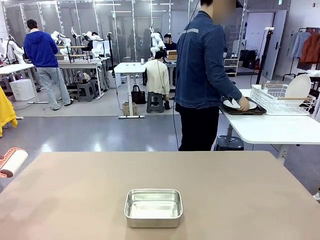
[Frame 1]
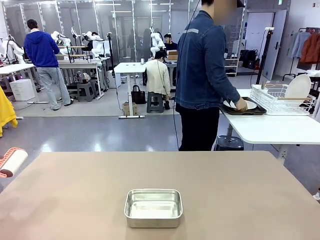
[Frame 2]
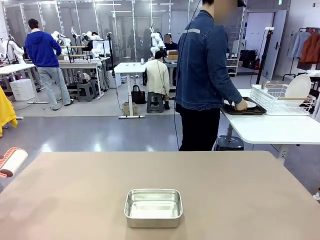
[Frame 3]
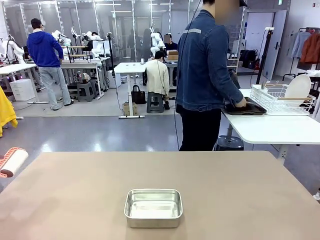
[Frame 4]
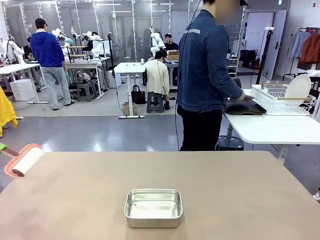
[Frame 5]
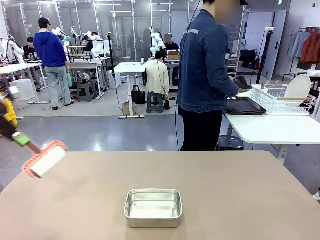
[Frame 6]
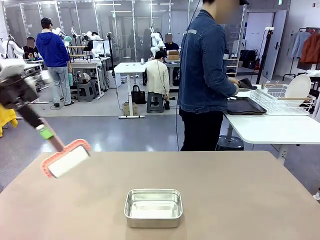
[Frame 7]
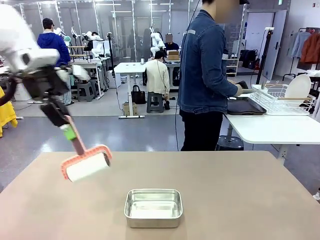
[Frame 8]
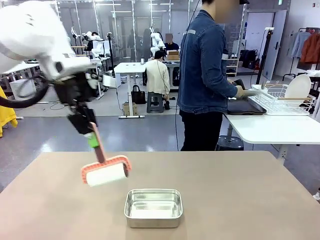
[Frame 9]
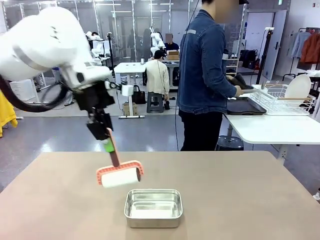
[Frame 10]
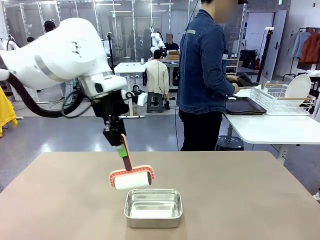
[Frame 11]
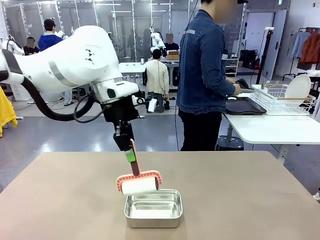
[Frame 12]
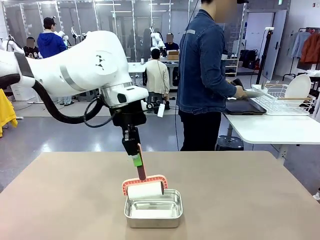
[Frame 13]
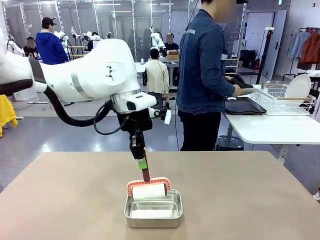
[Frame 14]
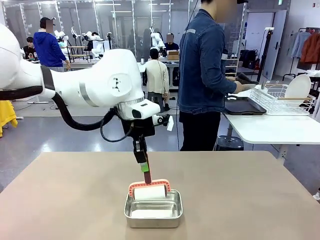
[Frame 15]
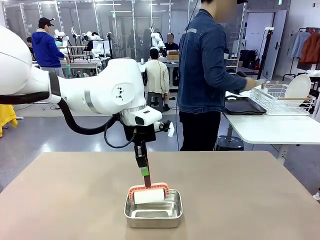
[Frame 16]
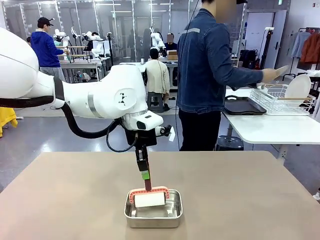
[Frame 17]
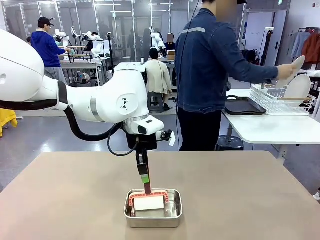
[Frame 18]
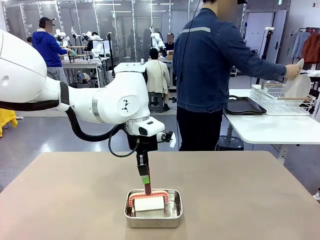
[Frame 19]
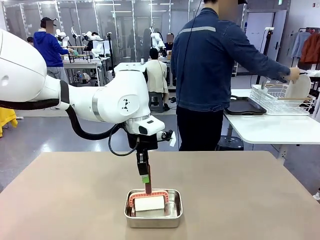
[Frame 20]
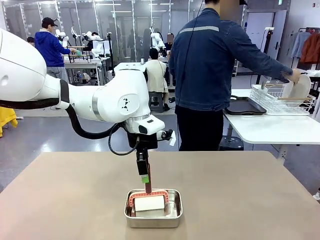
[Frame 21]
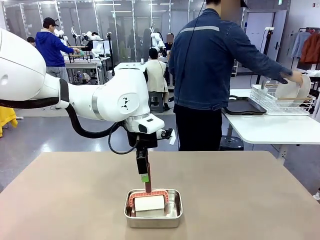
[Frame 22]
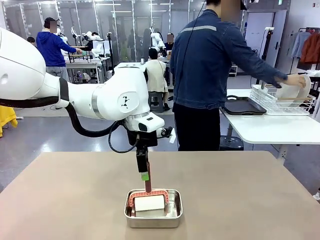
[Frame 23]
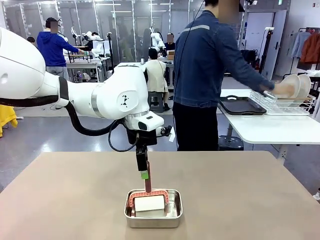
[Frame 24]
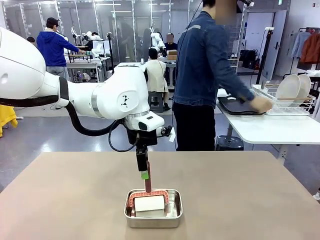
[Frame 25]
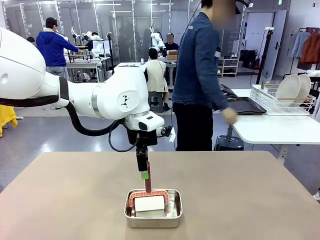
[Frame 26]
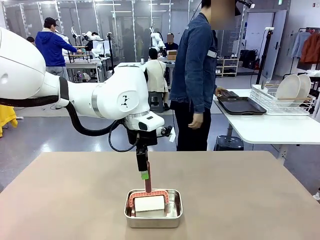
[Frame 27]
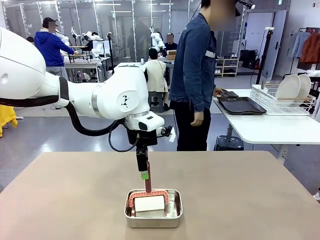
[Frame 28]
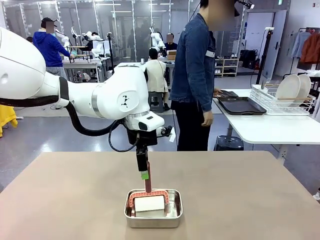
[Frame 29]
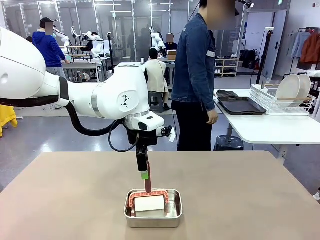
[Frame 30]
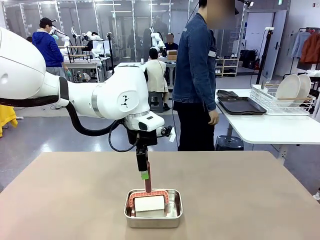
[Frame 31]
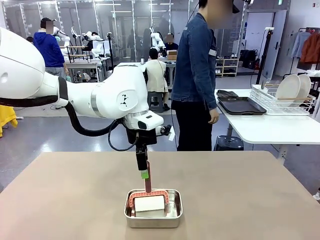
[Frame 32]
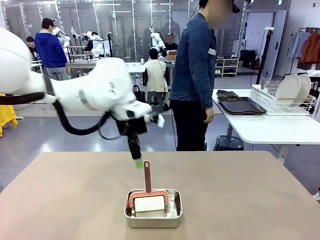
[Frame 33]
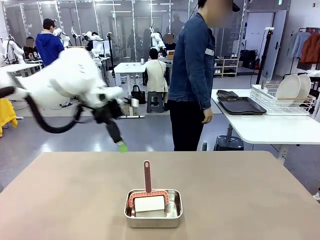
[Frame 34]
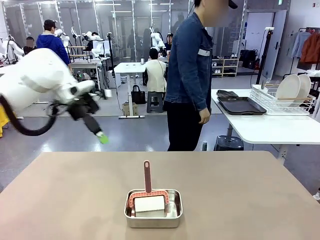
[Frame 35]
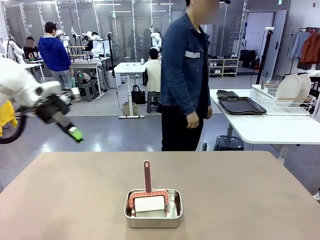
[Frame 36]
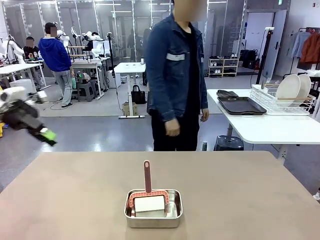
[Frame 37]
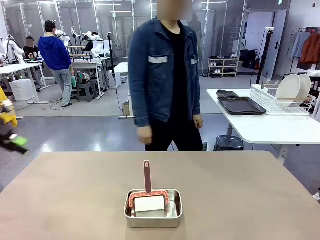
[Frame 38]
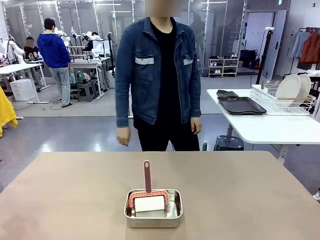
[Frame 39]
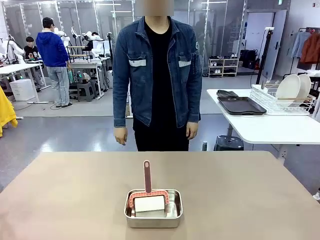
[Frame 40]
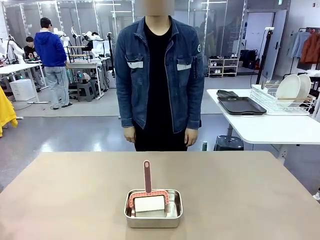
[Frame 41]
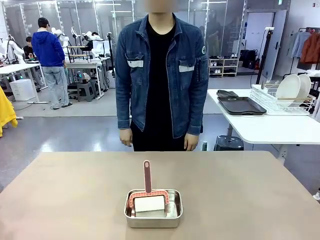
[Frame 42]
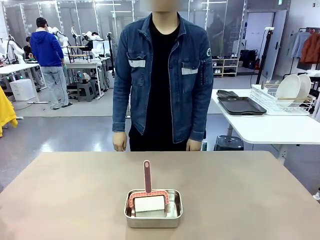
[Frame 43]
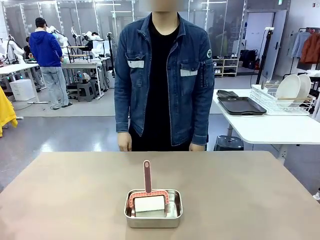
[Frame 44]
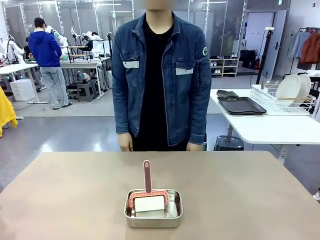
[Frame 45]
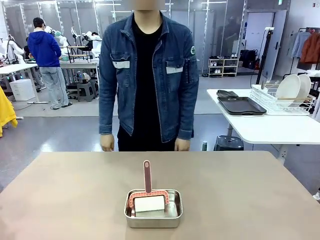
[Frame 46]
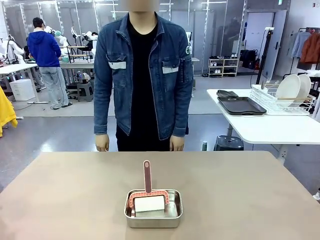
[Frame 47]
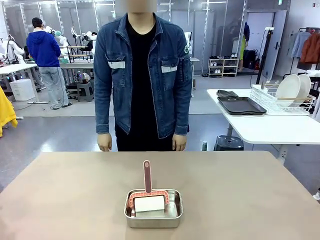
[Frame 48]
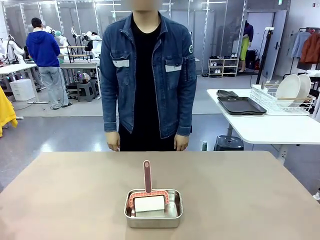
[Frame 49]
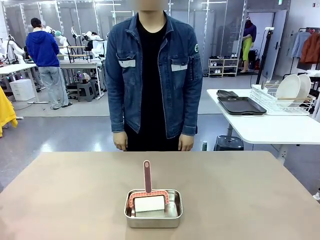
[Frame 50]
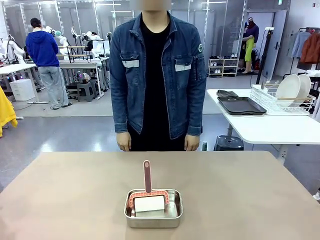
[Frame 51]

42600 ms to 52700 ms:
Robot: Place the Lint Roller back on top of the Airtight Container.
Person: Use the Towel with hook to wipe the Plastic Matte Plate , Fork , and Knife and place into the Dish drying rack.

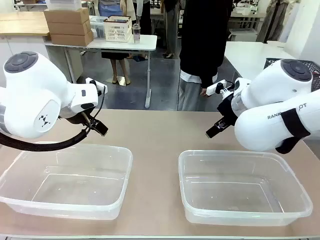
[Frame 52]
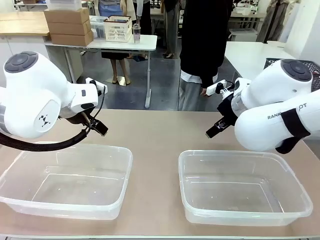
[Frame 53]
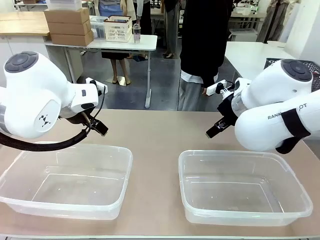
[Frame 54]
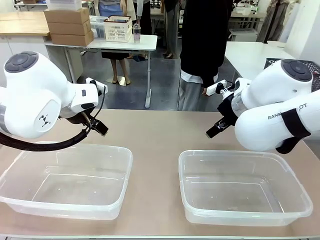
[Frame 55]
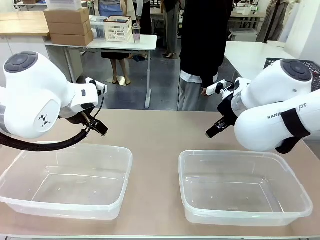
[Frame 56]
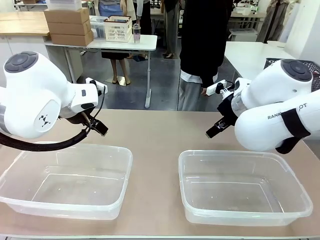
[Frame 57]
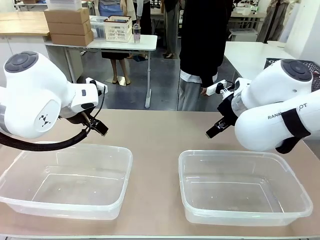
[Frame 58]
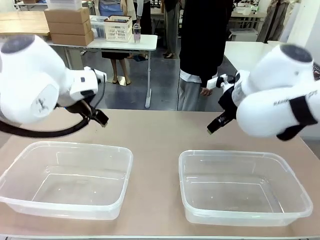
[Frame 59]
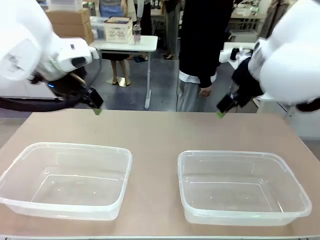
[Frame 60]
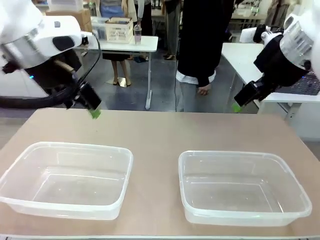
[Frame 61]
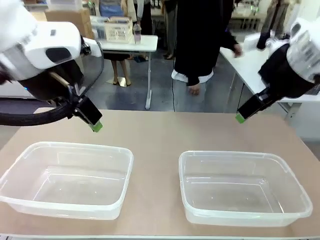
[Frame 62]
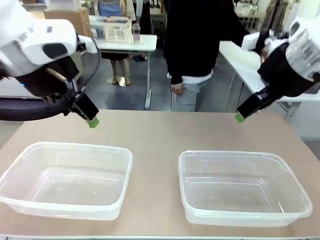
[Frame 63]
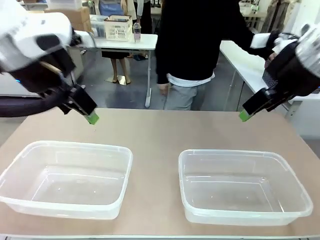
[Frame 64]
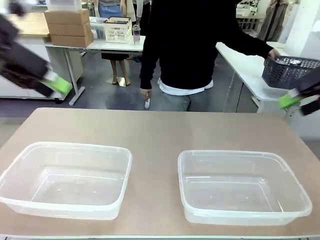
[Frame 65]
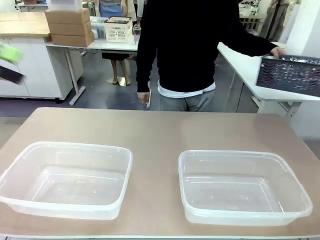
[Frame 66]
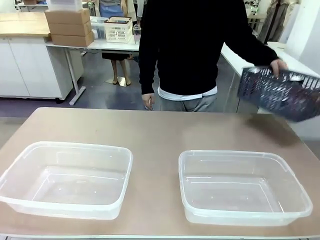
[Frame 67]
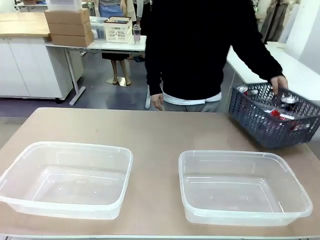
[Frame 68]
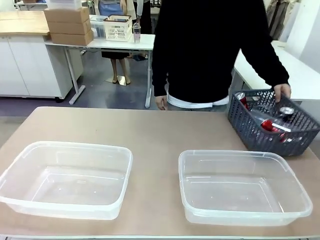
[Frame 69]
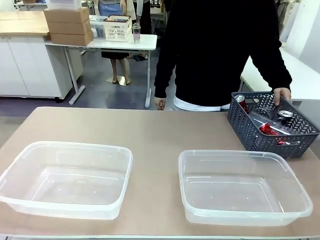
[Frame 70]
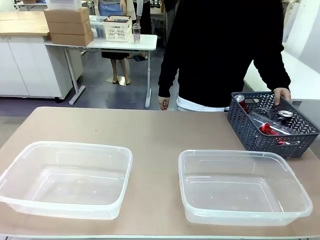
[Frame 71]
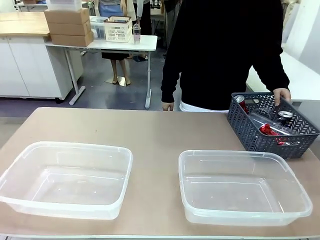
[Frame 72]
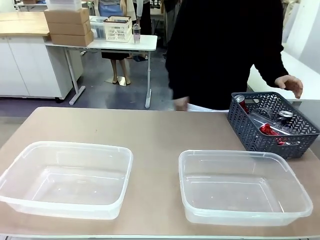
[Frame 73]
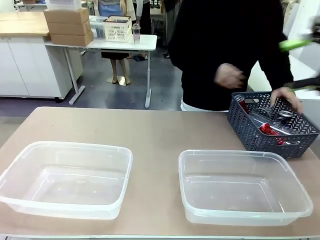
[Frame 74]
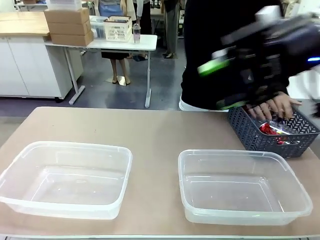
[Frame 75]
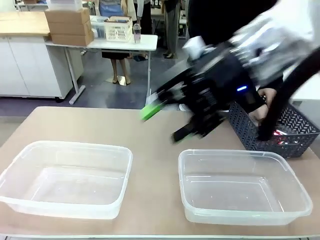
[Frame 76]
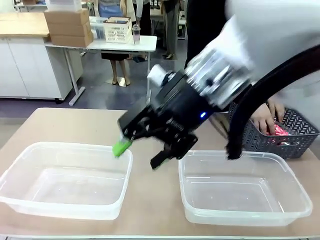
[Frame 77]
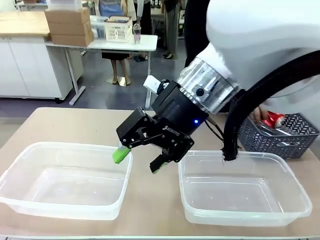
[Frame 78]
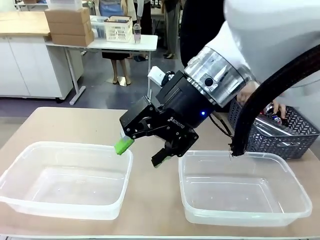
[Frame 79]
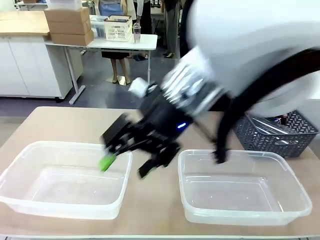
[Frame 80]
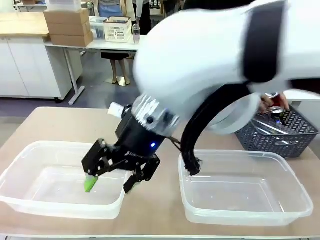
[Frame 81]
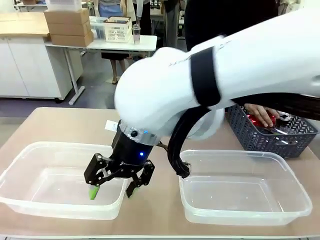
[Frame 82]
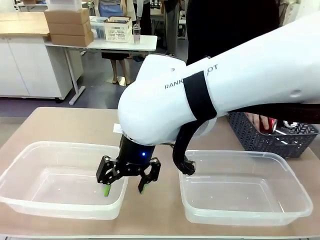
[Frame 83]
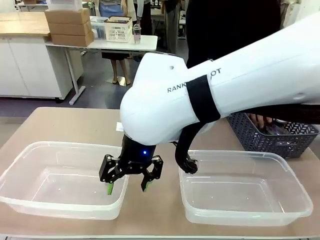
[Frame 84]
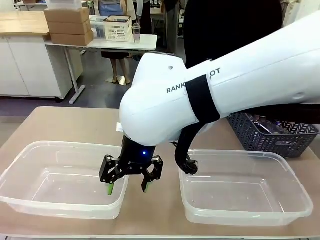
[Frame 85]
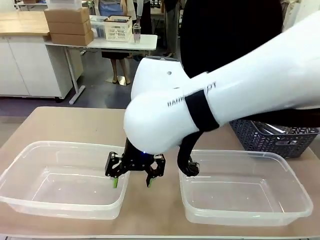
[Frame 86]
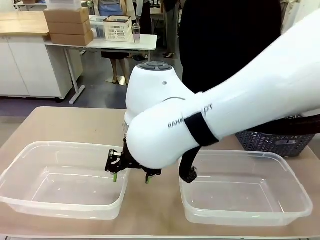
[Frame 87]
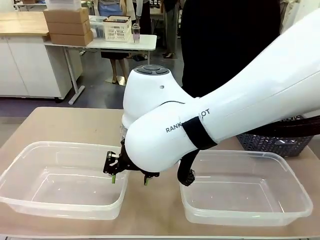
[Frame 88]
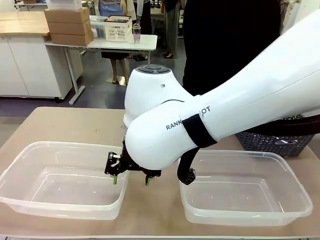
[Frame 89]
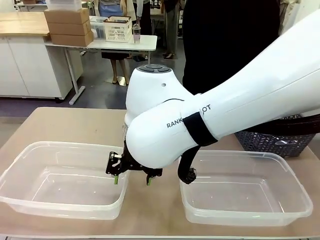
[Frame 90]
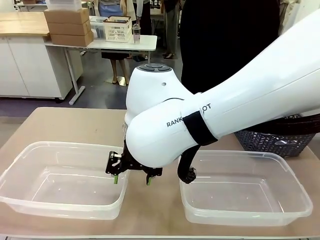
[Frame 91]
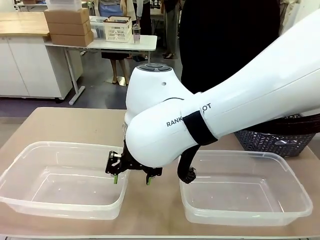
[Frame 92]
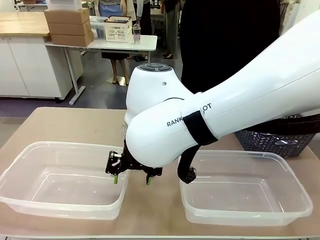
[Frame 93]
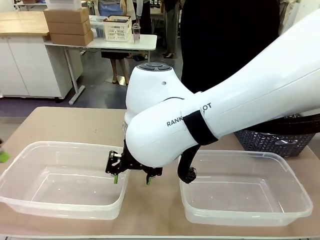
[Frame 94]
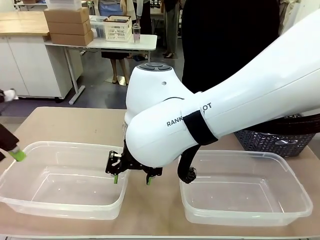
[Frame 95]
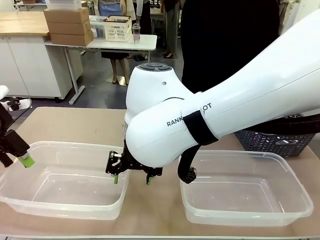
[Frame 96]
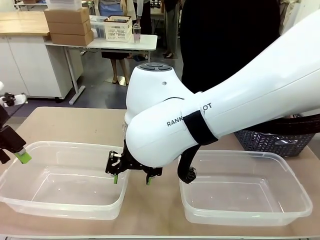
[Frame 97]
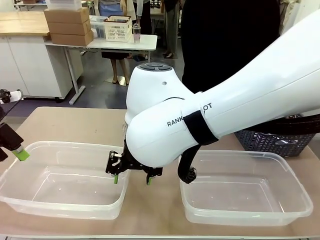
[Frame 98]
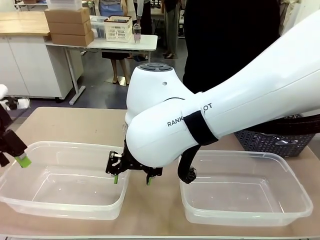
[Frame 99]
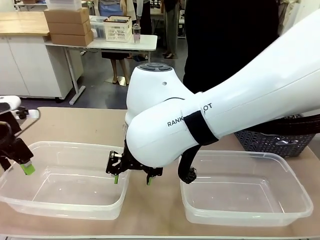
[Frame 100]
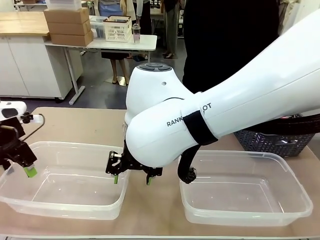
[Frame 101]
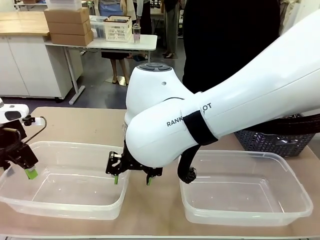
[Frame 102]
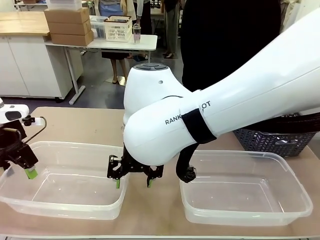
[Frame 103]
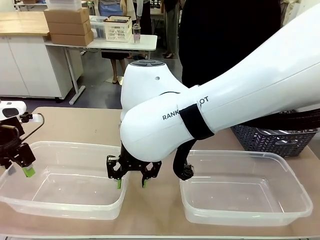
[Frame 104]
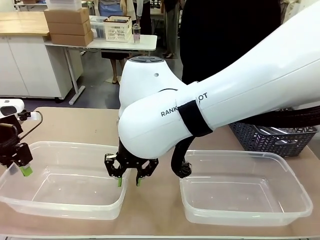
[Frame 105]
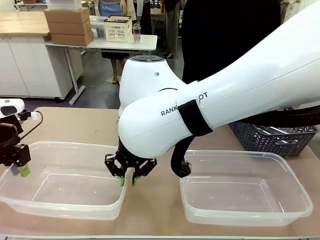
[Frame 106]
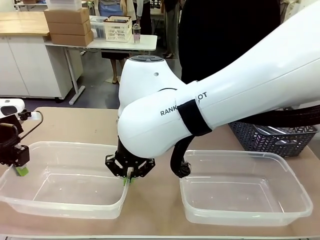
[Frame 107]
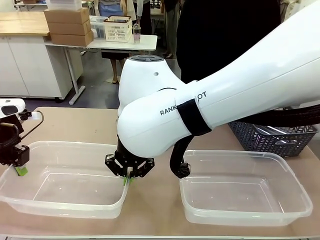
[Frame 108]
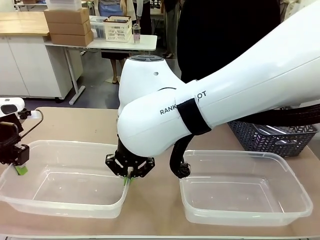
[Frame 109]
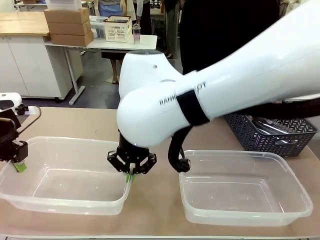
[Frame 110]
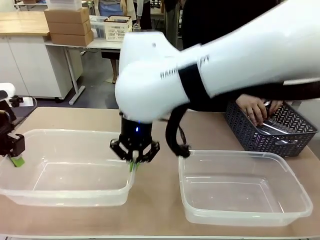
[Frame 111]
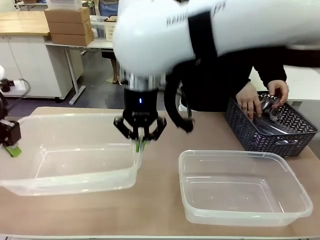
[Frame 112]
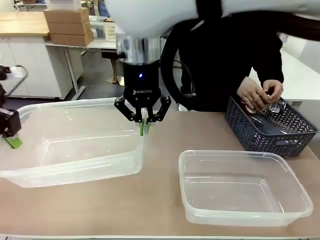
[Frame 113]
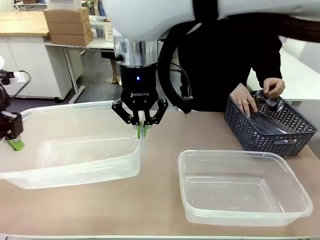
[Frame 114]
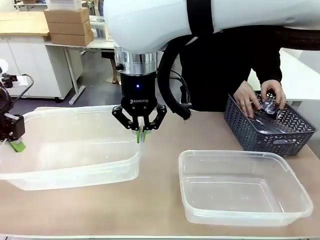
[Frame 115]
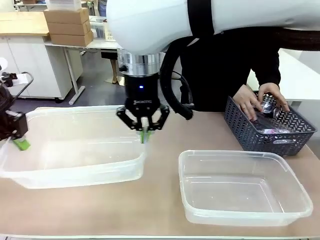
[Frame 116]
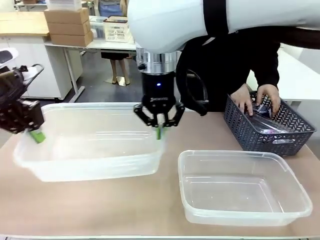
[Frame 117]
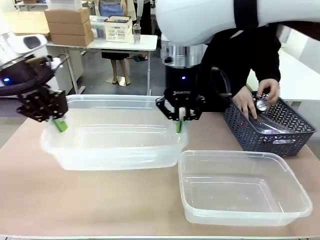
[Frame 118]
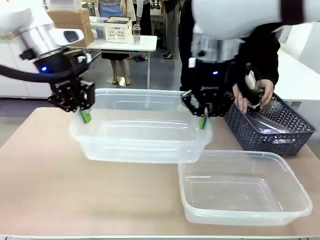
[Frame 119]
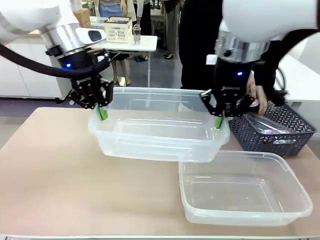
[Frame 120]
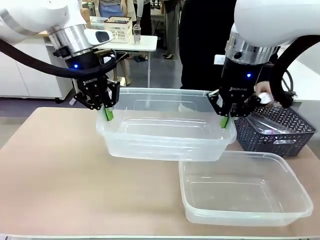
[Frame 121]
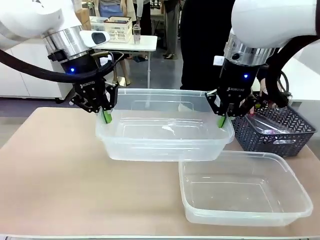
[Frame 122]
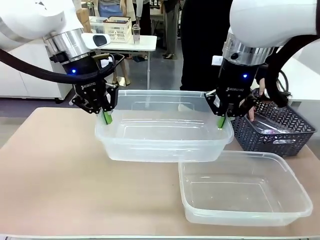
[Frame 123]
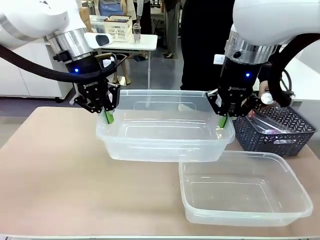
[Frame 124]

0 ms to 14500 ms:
Robot: Pick up the Organizing box on the left side of the table and lift it.
Person: Pick up the storage basket and place it on the left side of the robot table. Pick up can-shaped waste one by one and place it into the organizing box lifted by the robot.
